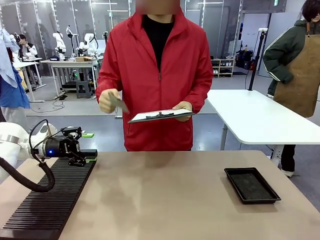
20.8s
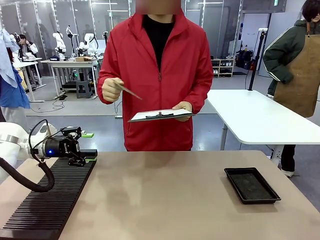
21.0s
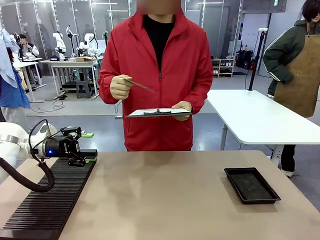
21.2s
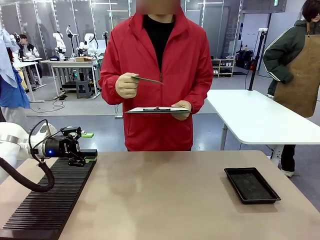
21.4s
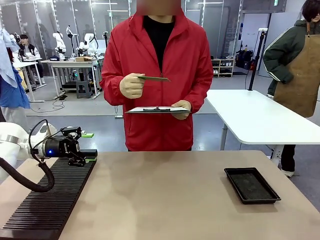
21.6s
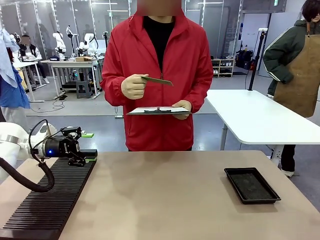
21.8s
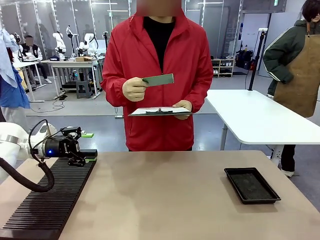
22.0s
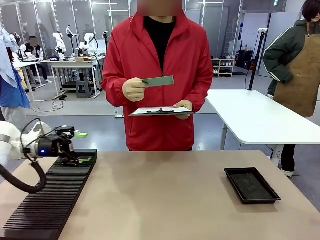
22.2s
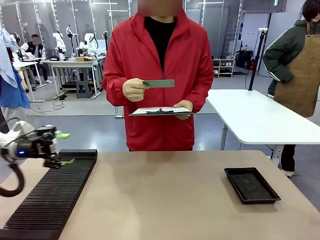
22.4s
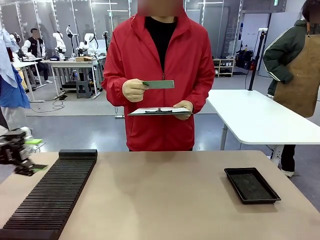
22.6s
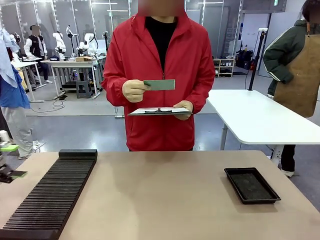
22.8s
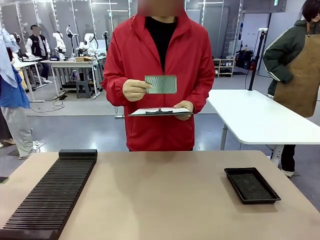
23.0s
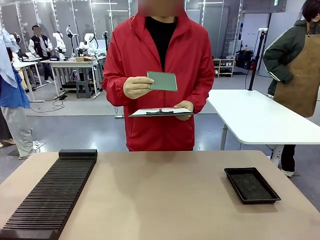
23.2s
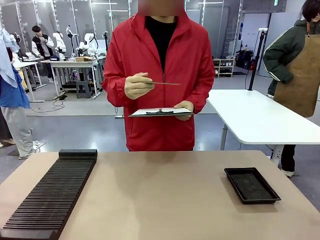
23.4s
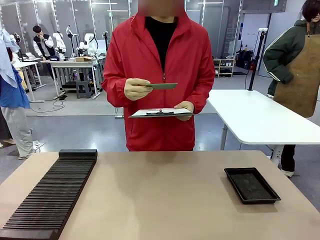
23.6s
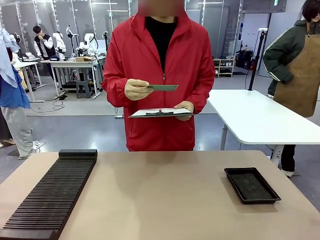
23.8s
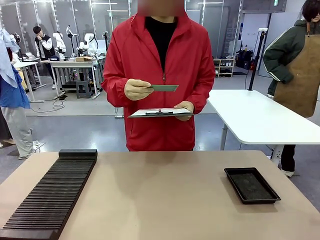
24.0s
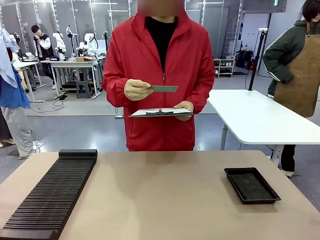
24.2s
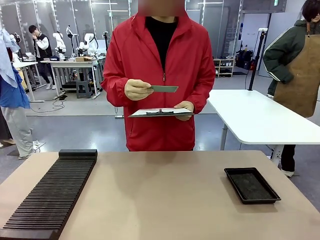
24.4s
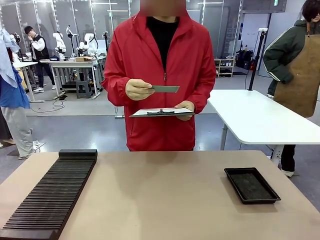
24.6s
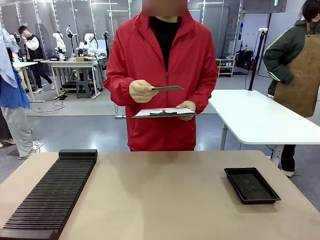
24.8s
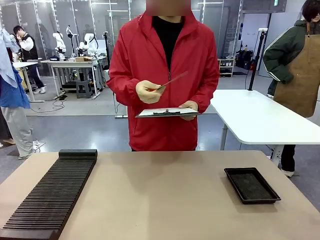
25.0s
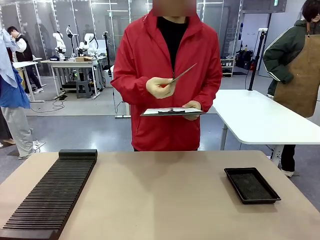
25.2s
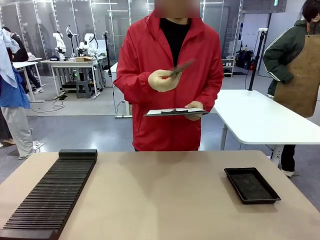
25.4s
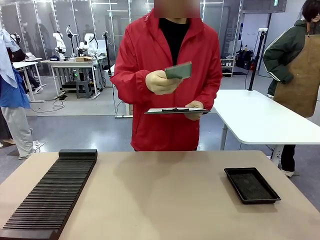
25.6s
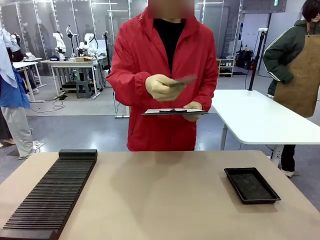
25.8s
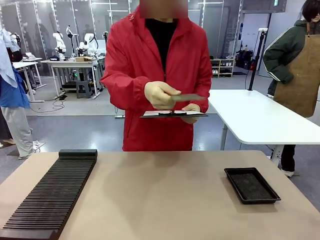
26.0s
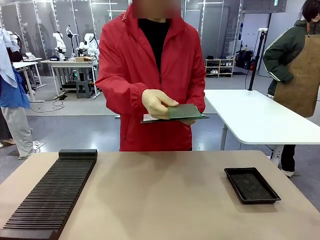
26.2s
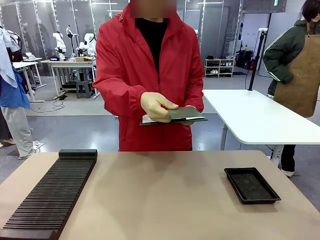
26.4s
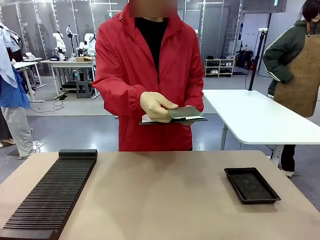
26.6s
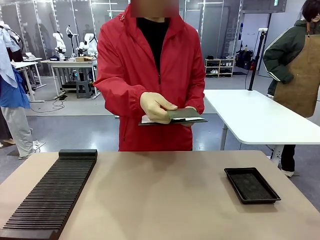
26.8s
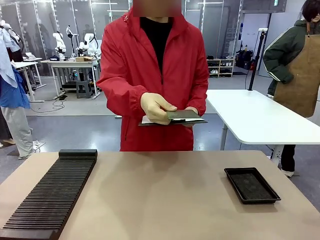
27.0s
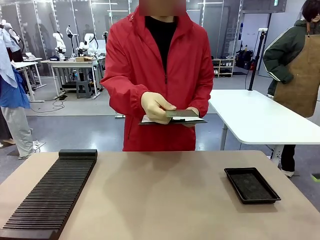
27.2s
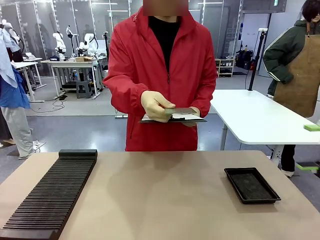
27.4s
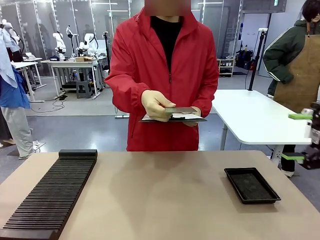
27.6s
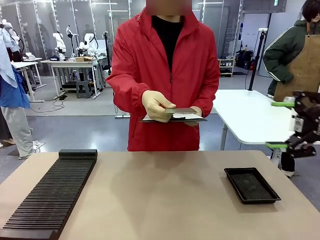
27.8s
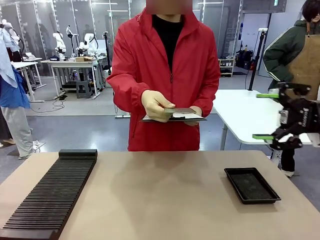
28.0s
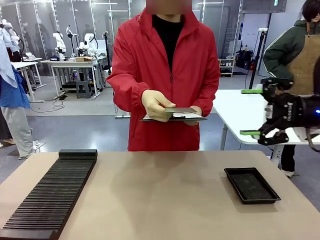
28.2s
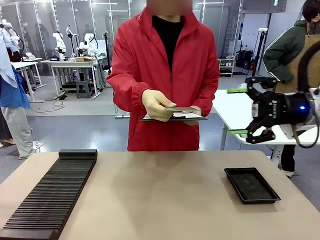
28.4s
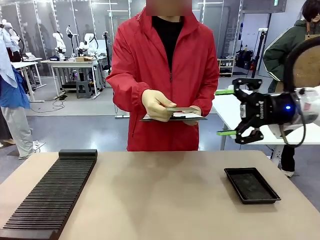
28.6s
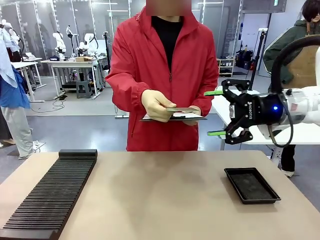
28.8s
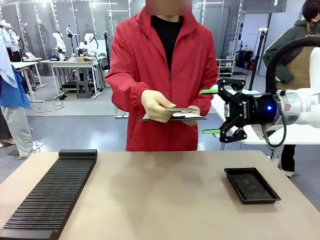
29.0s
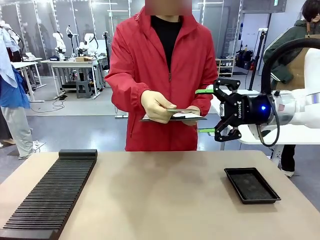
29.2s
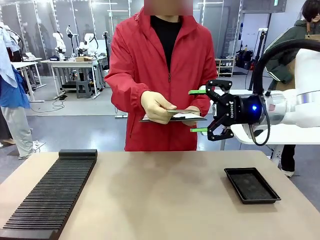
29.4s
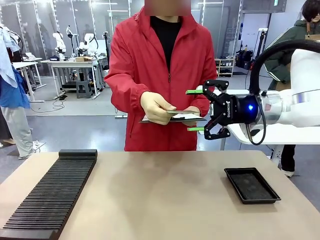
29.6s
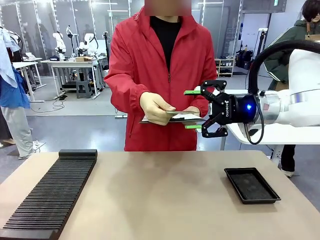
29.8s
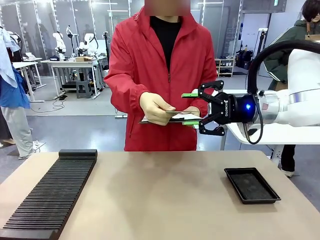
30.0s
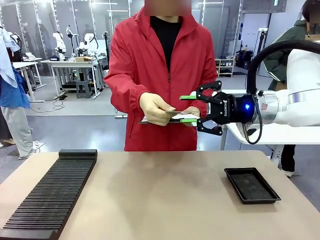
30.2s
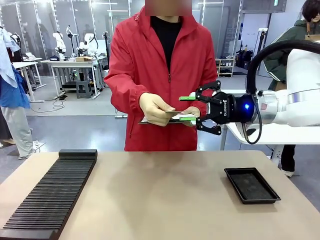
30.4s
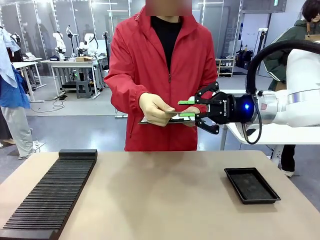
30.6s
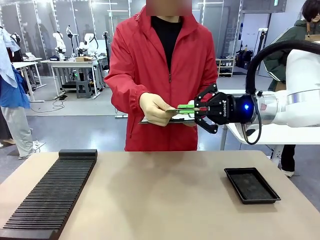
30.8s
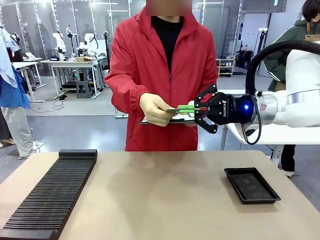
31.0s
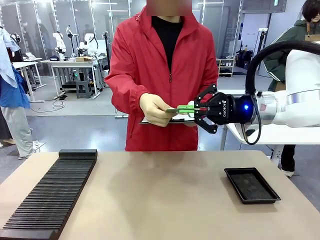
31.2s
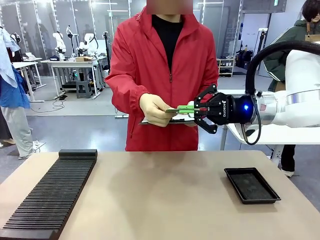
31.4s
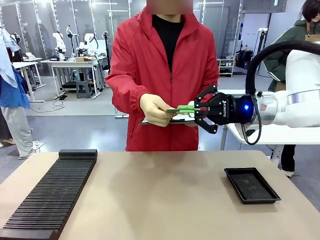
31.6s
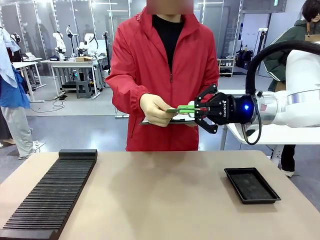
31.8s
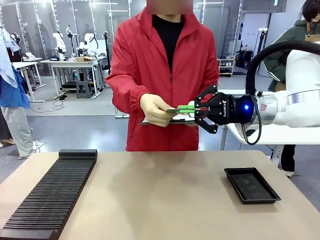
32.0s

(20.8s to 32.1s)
Task: Inspect the PCB.
Robot: Pick up the Blank PCB that the human is holding.
Person: Inspect the PCB placed by the robot, then hold it out in front of the robot. Release the PCB you were holding.

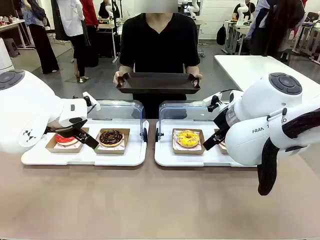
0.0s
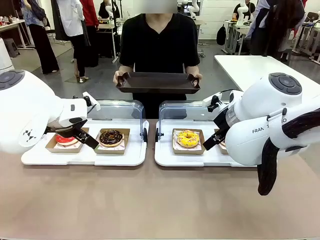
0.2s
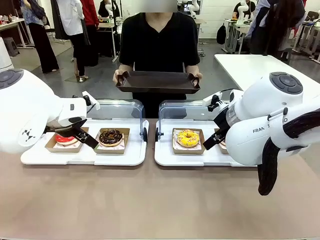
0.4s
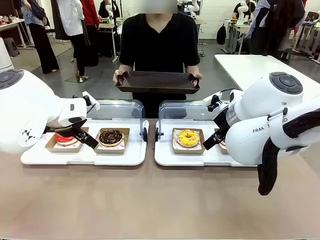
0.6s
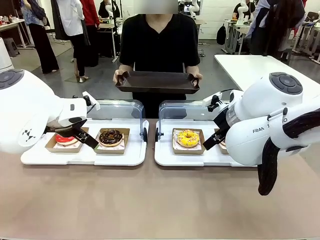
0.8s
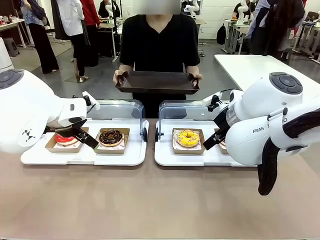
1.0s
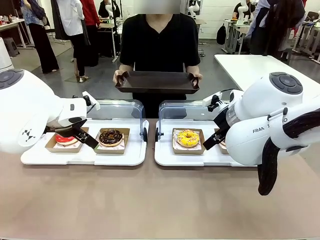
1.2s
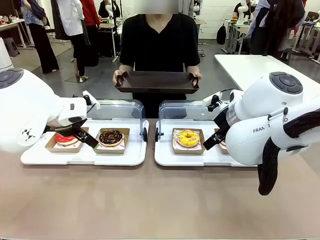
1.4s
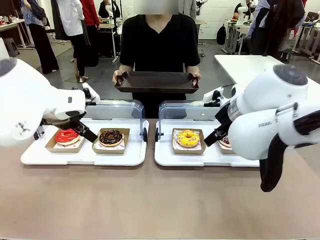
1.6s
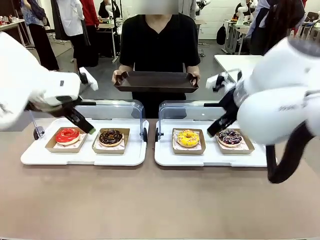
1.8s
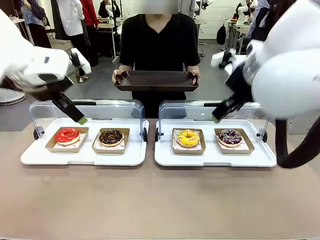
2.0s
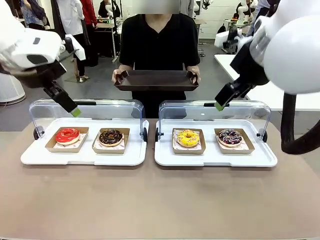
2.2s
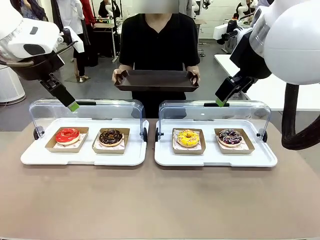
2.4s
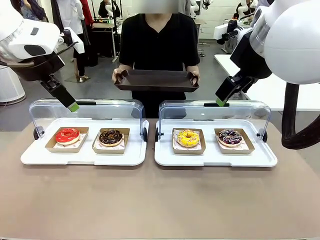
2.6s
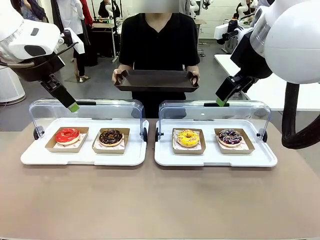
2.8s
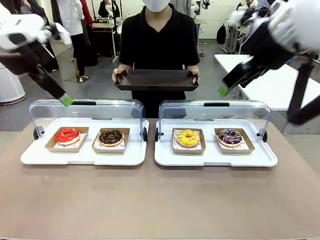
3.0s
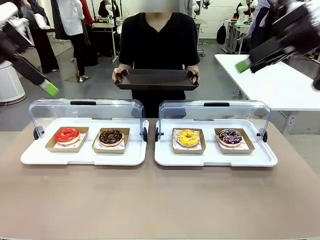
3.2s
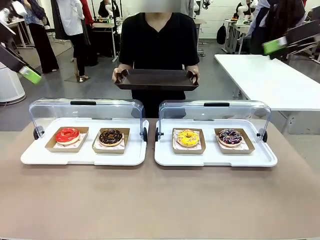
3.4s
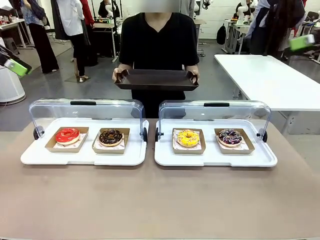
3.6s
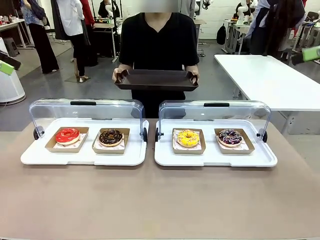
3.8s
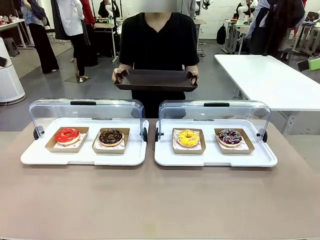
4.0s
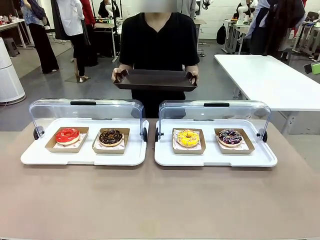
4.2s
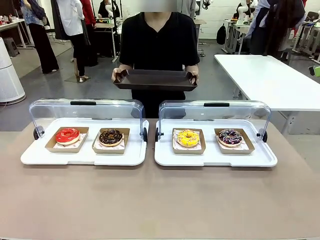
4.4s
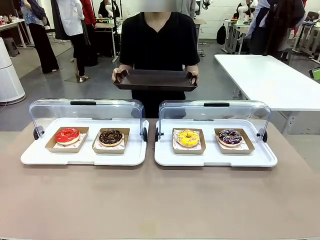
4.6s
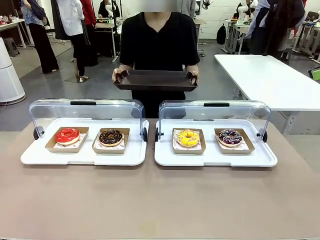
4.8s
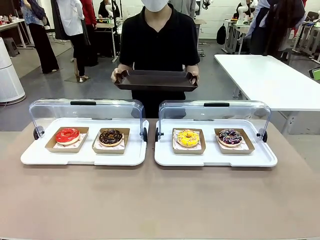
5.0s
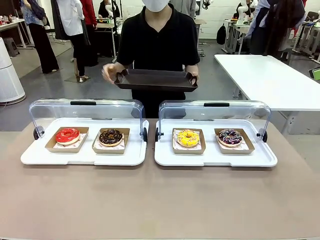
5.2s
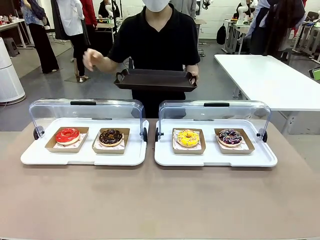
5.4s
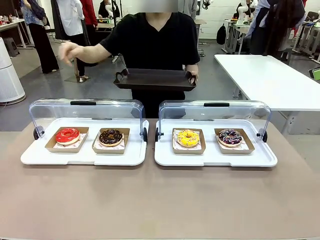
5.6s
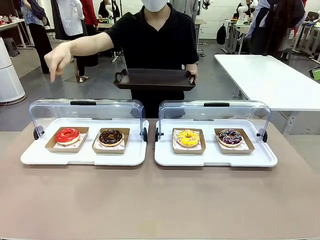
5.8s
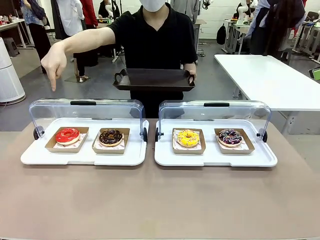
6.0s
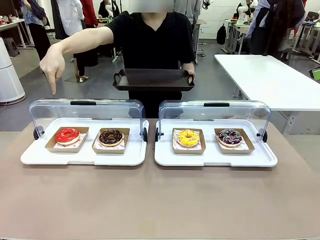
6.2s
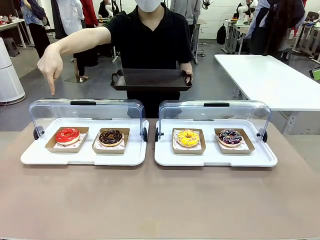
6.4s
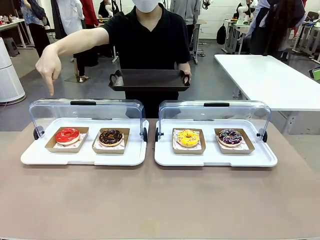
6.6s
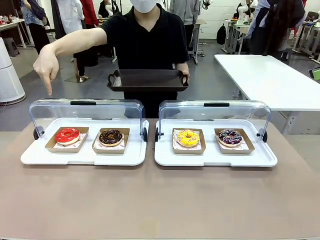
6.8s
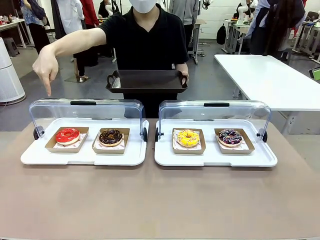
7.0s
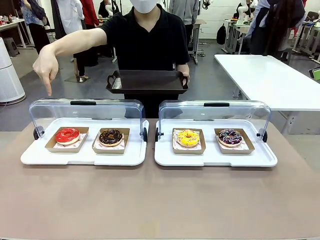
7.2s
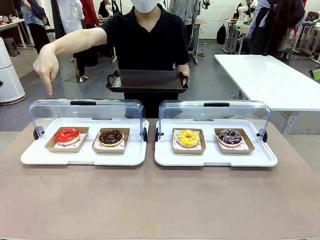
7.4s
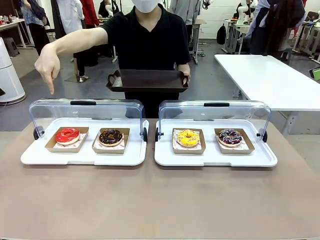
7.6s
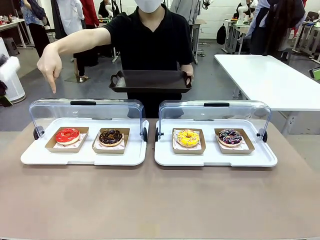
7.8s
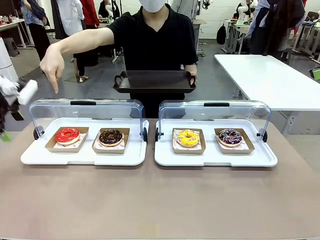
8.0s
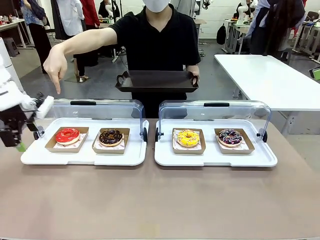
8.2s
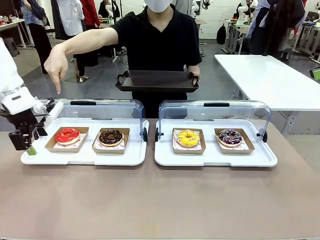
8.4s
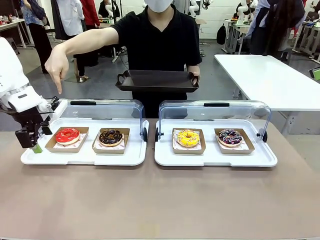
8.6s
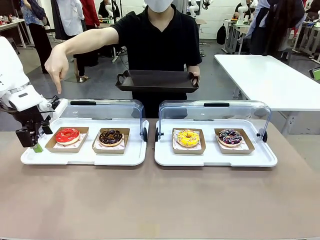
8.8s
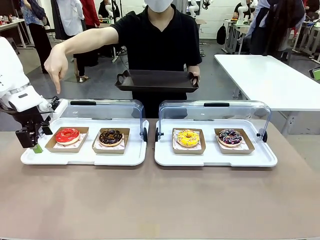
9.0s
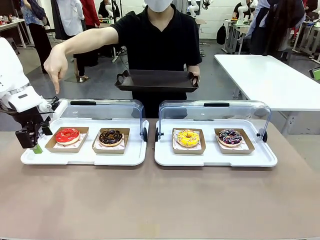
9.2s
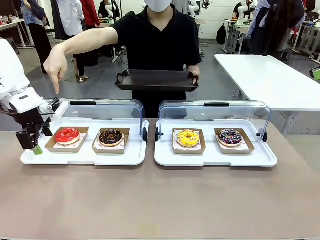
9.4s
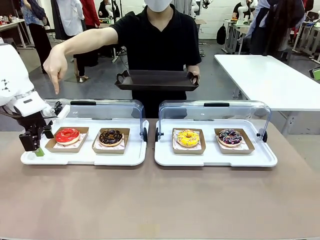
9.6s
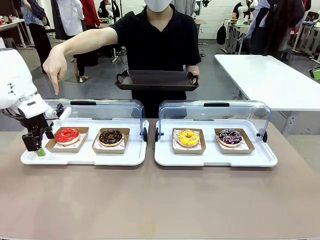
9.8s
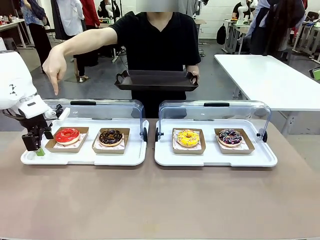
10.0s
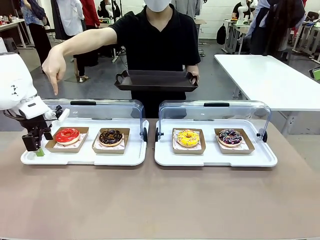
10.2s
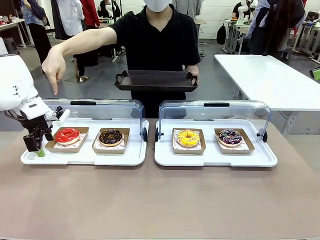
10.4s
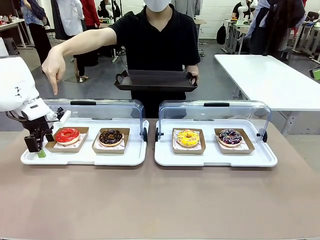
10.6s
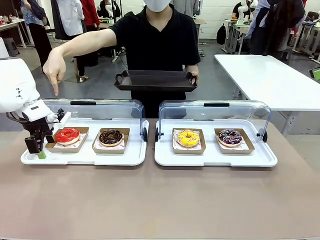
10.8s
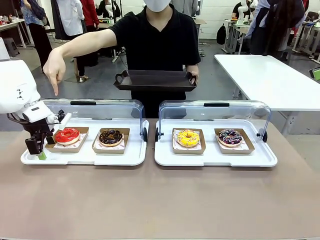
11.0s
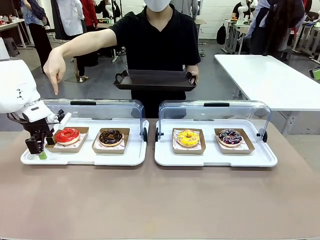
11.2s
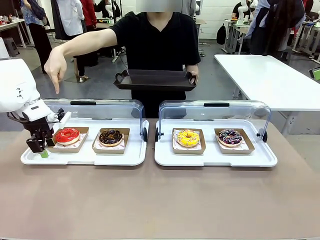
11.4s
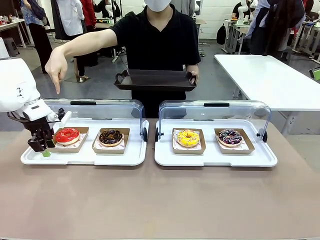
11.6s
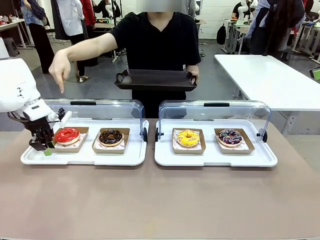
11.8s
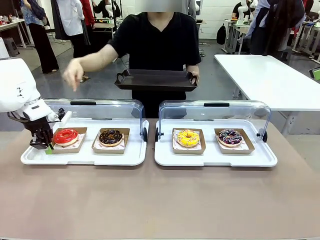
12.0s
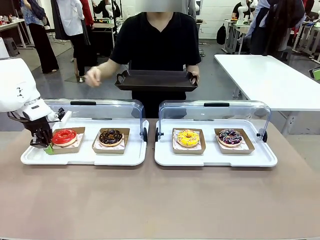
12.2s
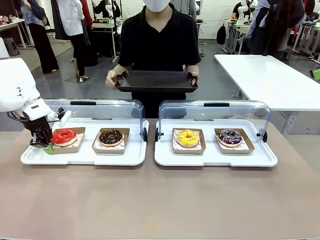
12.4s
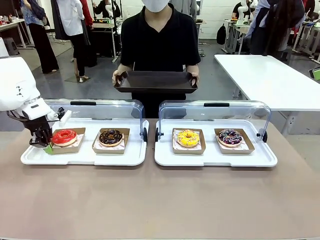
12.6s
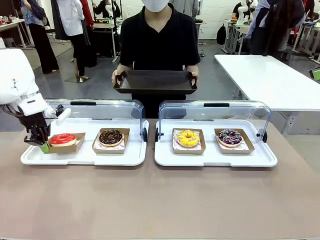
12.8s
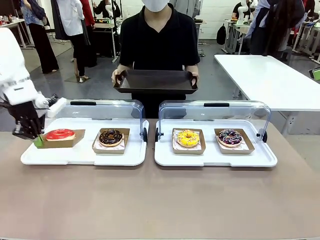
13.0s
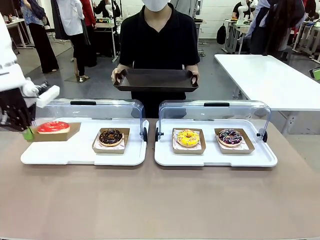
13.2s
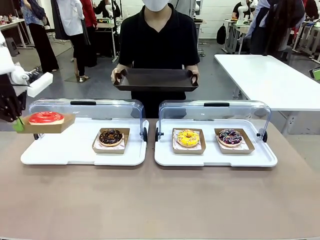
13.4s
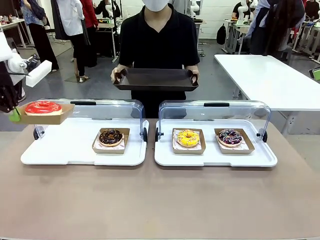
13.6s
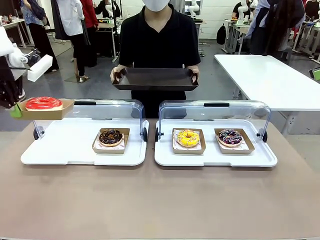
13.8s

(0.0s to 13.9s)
Task: Provide the desired donut to the person.
Robot: Pick up and lift the Paper togo box containing the Donut pointed at by the person.
Person: Point to one donut. Lift the tray onto the Roll-Top Bakery Case.
